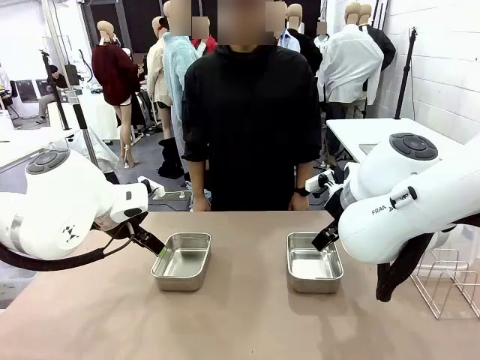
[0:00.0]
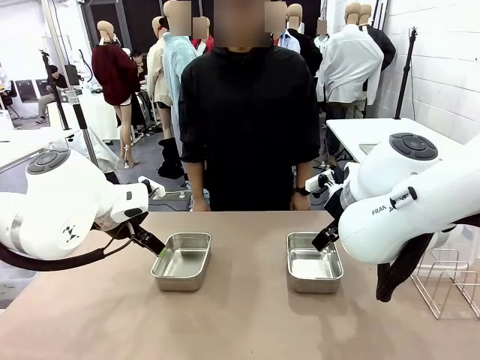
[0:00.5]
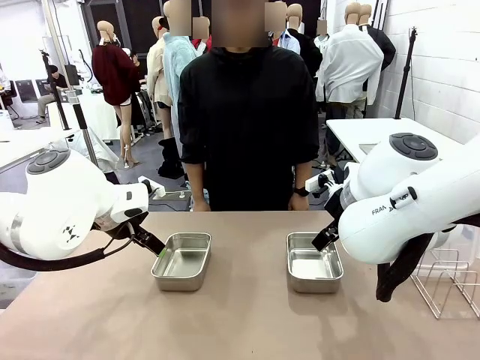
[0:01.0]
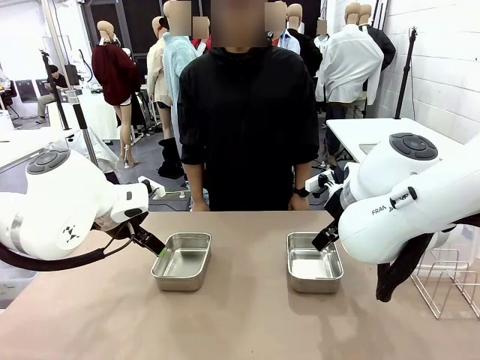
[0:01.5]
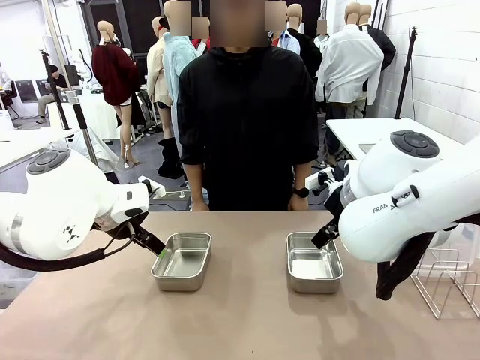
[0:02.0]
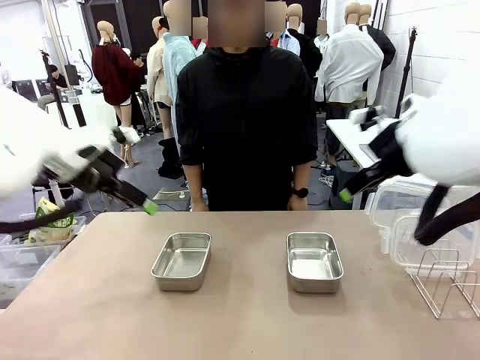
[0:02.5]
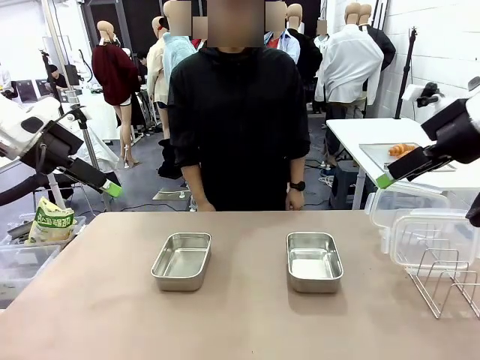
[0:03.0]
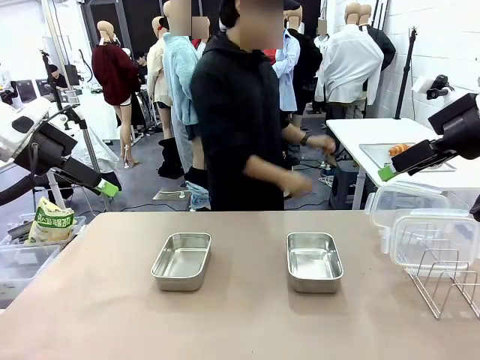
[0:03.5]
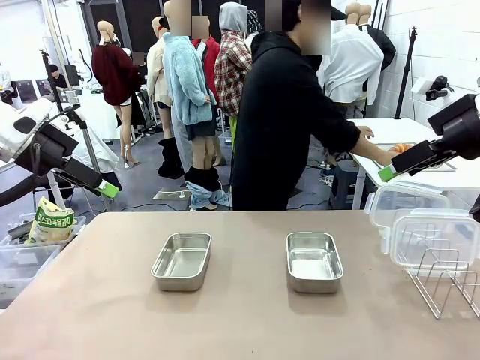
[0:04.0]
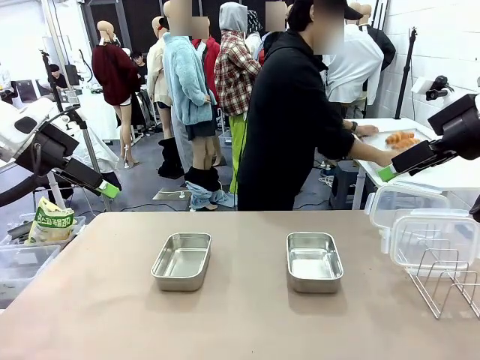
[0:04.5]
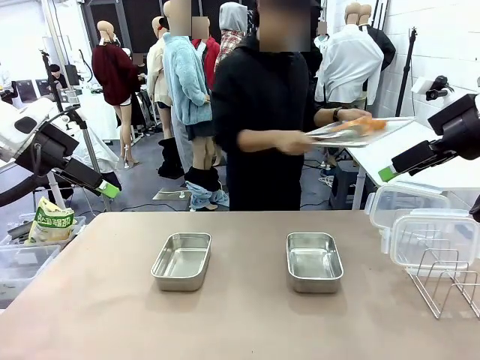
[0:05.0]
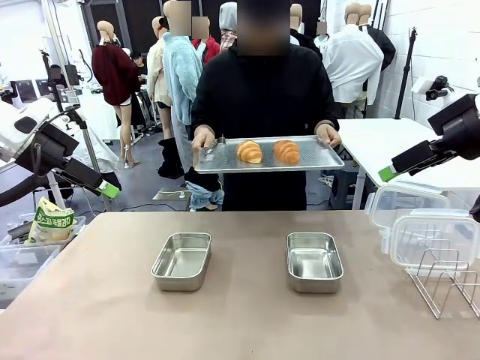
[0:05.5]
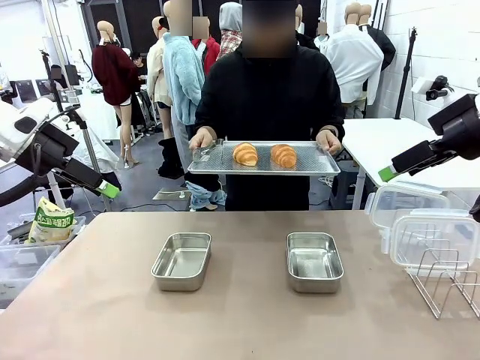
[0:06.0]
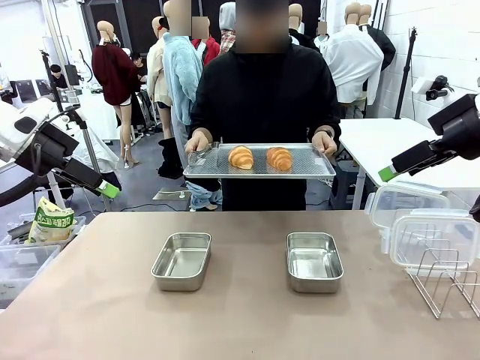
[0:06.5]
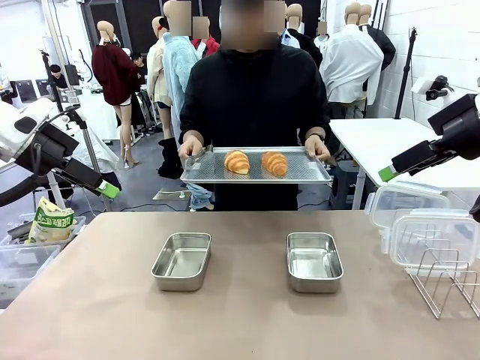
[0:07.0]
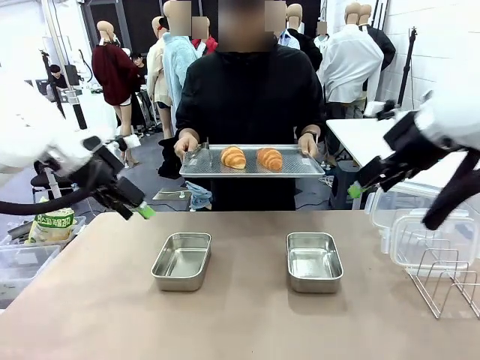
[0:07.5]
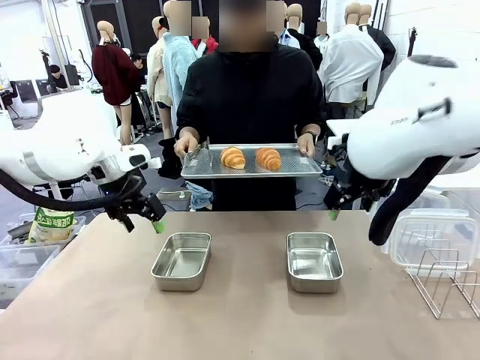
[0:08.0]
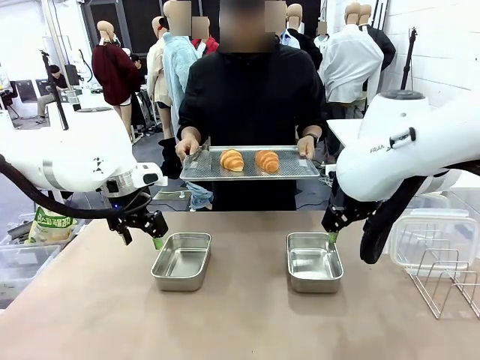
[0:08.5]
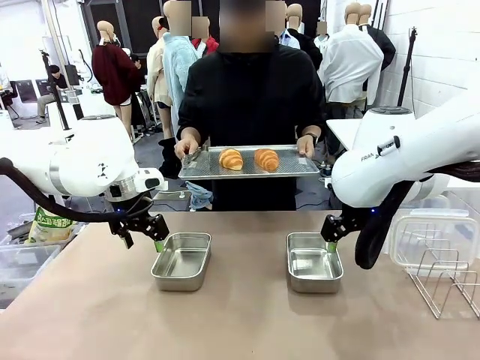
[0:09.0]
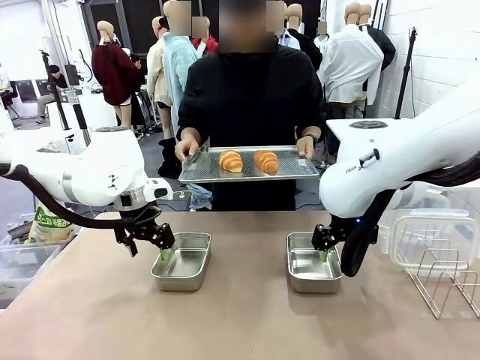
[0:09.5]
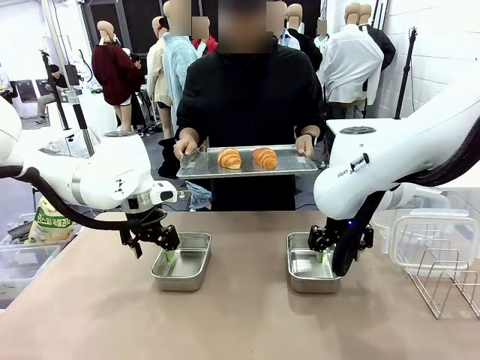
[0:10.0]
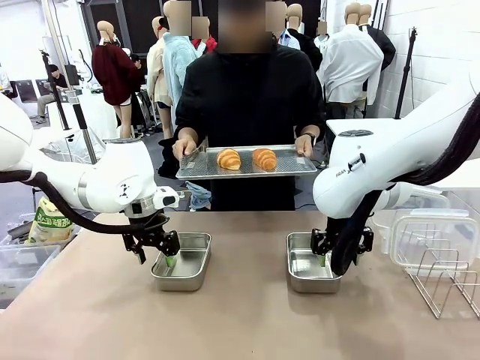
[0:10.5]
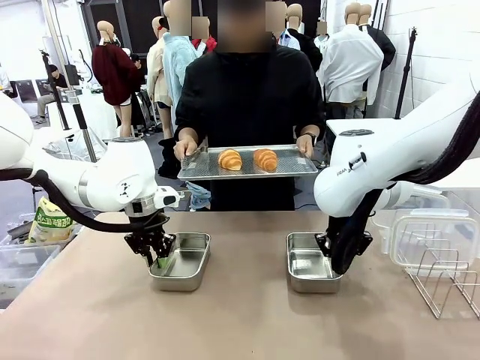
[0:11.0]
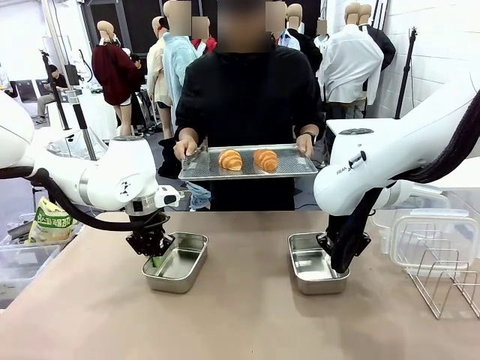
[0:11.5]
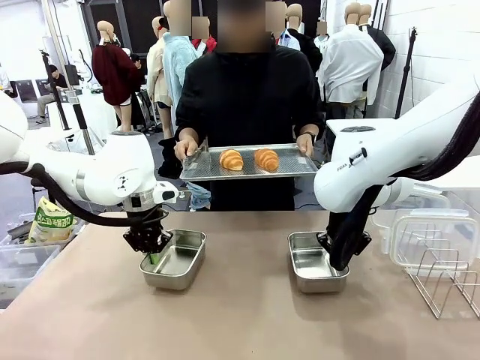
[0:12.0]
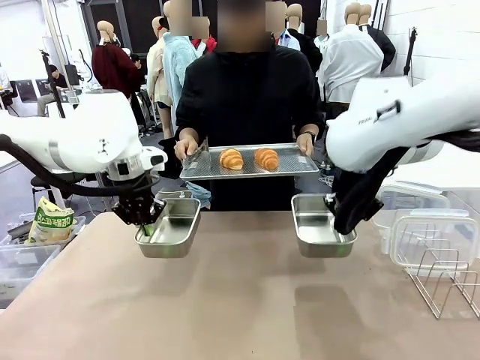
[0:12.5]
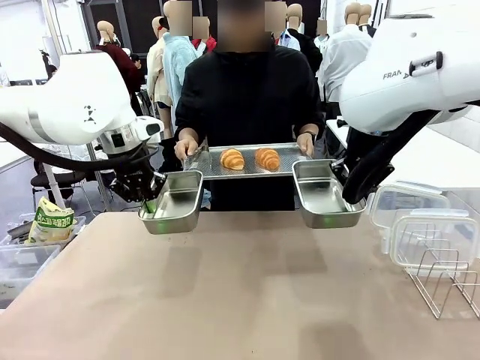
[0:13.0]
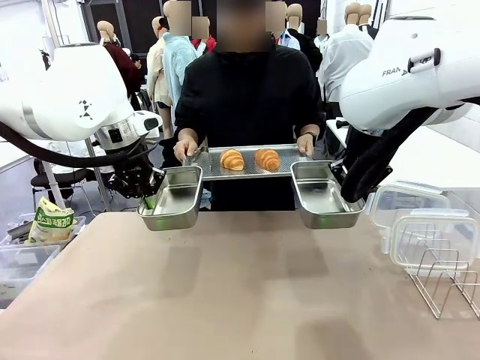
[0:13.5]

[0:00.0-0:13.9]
Task: Place the bread in airtight containers.
Robot: Lift both Airtight Container.
Person: Bring the Baking Sheet in front of Robot's Table.

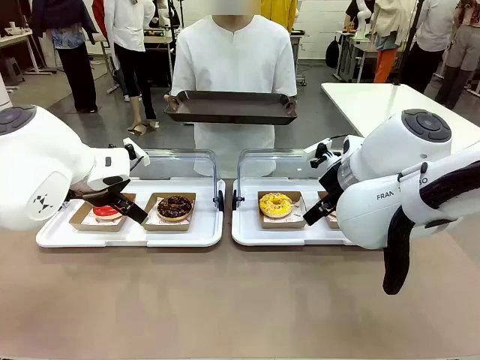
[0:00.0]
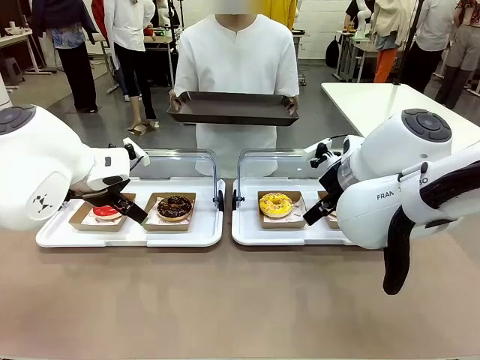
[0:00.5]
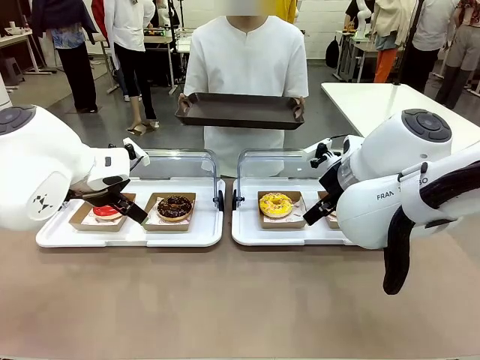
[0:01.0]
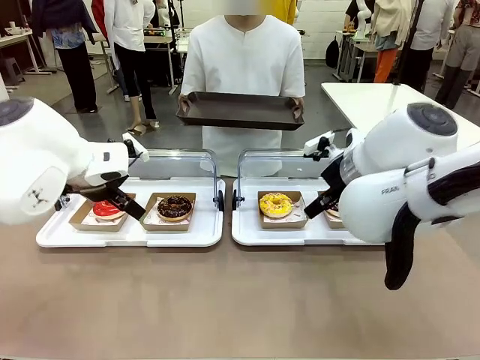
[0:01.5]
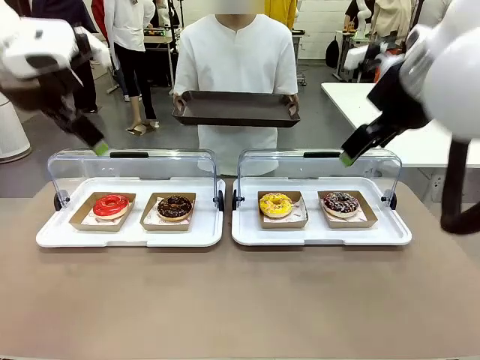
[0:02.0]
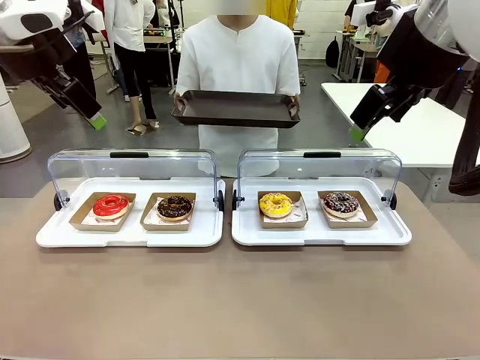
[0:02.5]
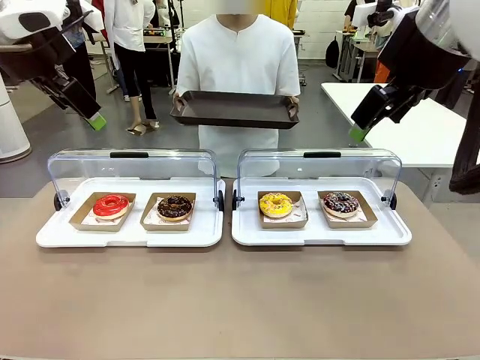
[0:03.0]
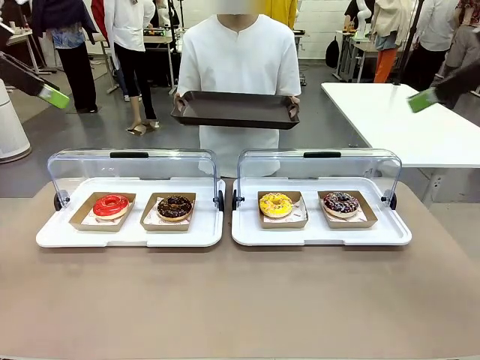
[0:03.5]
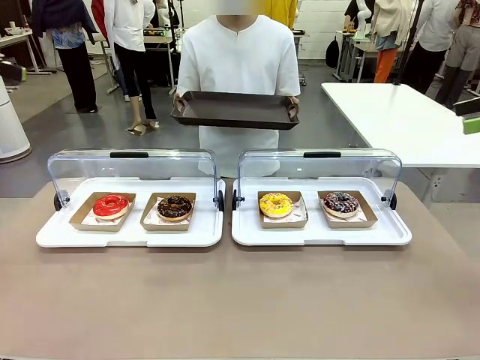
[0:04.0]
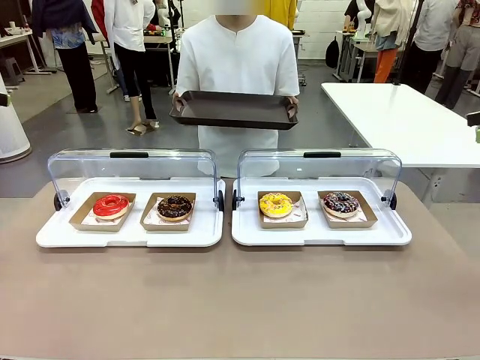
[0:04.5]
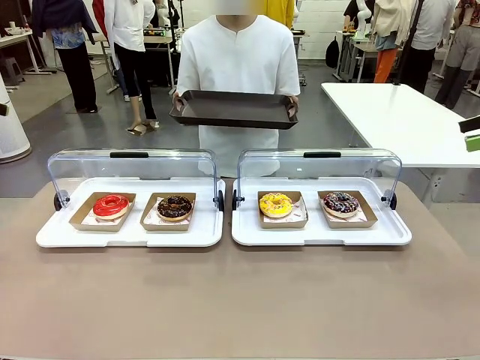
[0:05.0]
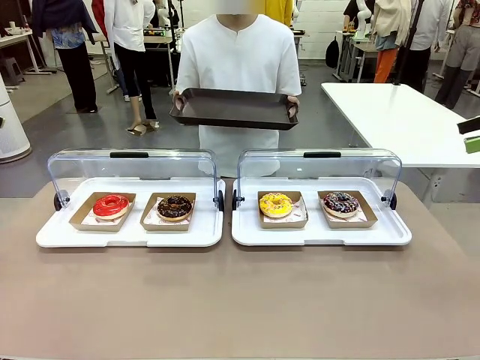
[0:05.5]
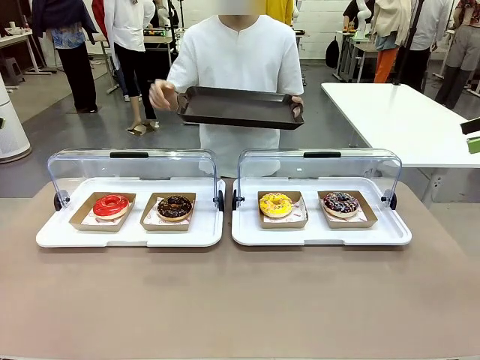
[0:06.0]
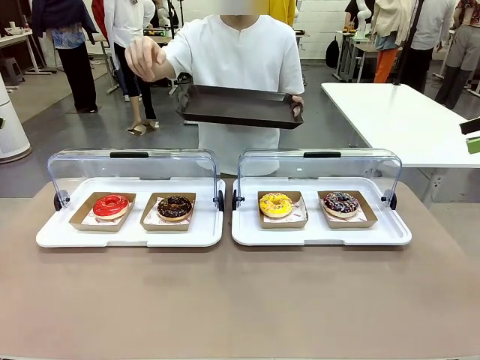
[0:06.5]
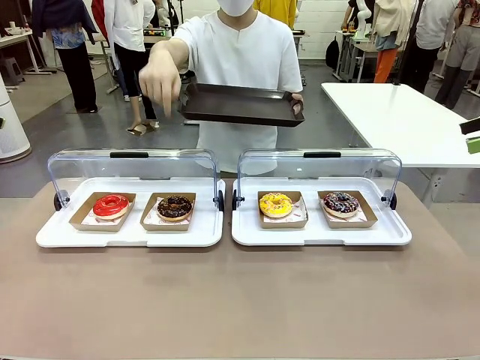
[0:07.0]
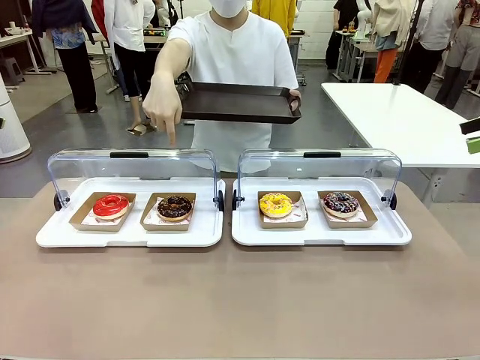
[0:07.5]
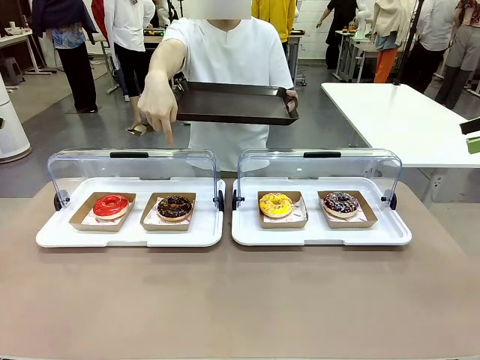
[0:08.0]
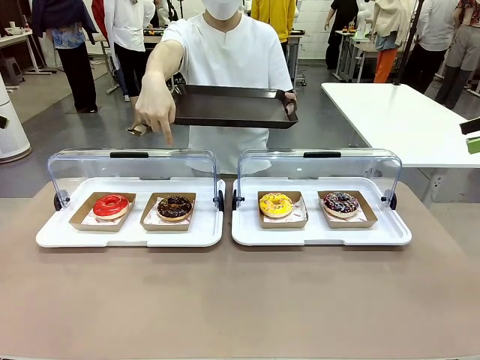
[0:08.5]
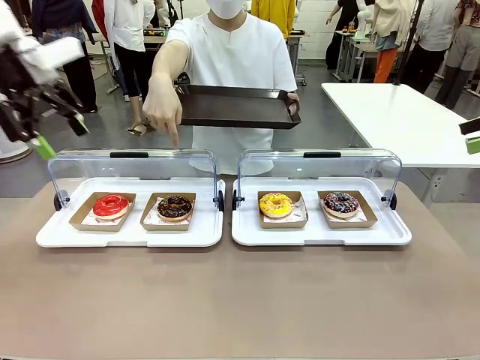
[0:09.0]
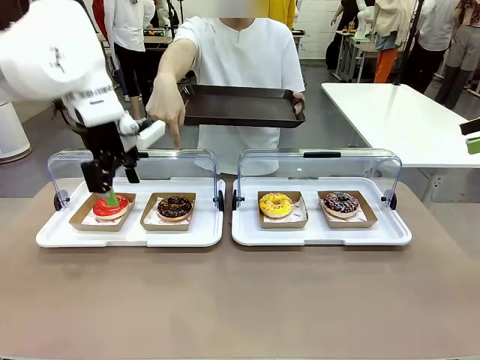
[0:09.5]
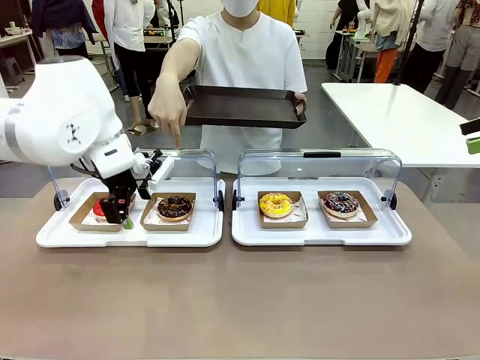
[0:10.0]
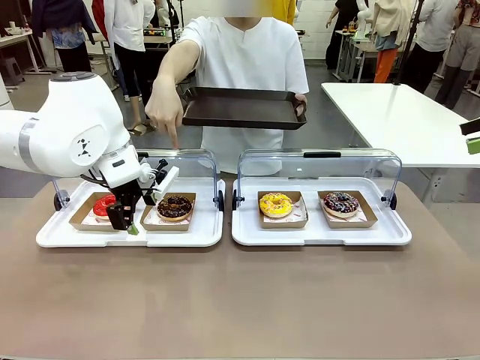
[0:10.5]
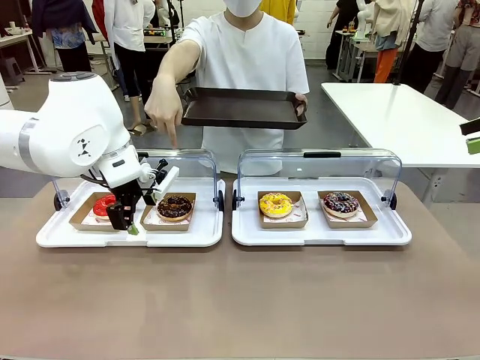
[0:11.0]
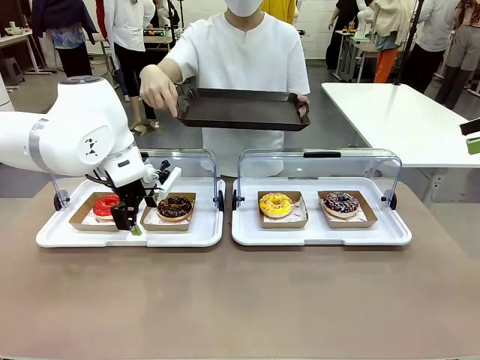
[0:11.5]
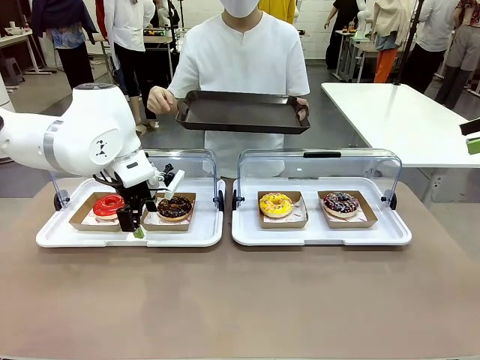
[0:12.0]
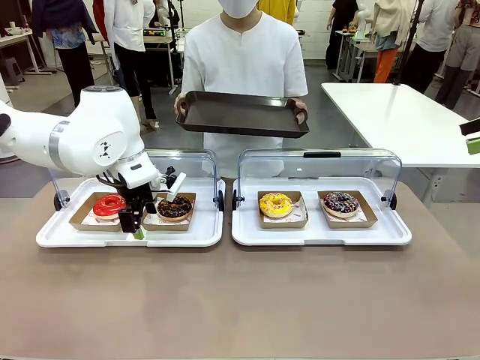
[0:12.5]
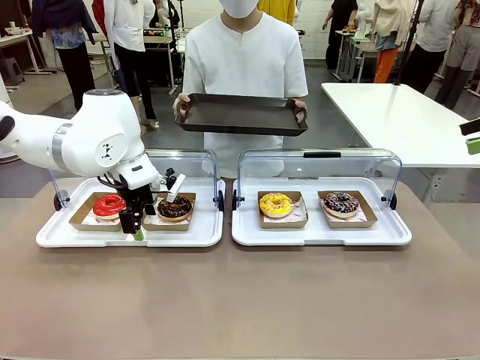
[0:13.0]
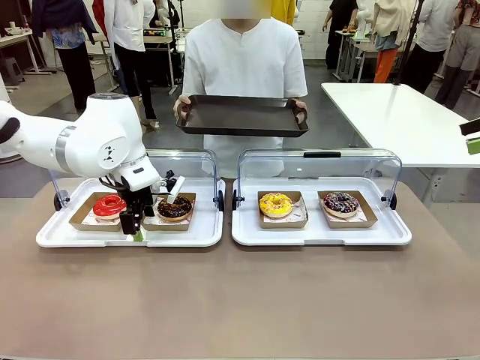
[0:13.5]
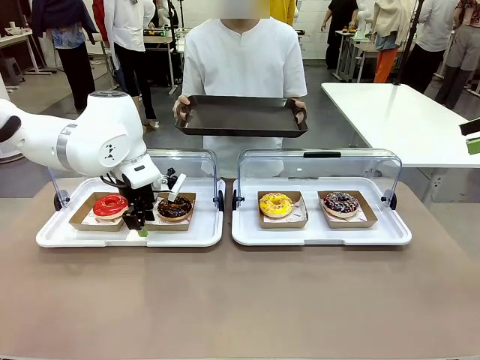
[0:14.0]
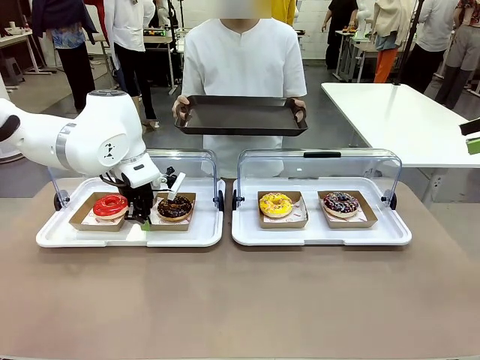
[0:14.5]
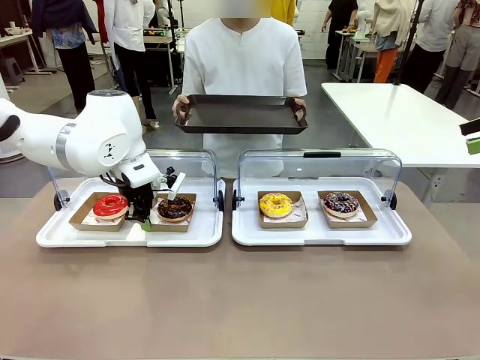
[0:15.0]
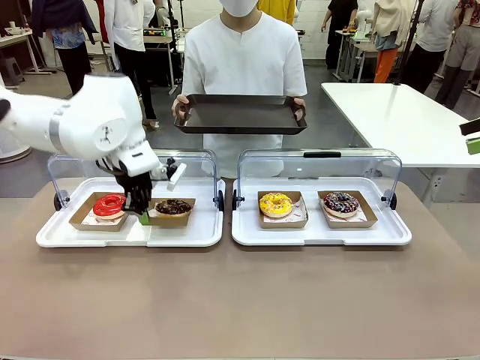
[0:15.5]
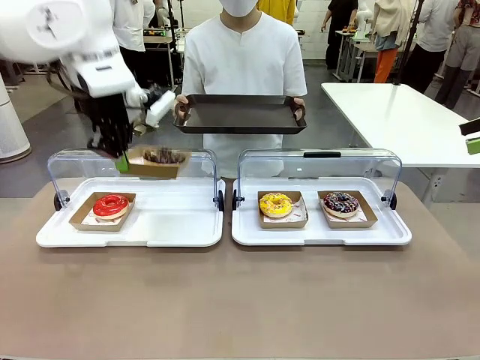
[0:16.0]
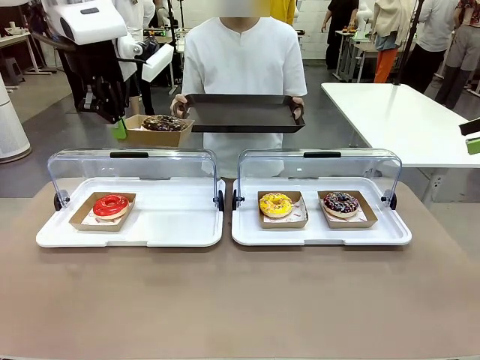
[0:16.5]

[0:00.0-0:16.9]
Task: Provide the desired donut to the person.
Robot: Pick up and lift the Paper togo box containing the Donut pointed at by the person.
Person: Point to one donut. Lift the tray onto the Roll-Top Bakery Case.
